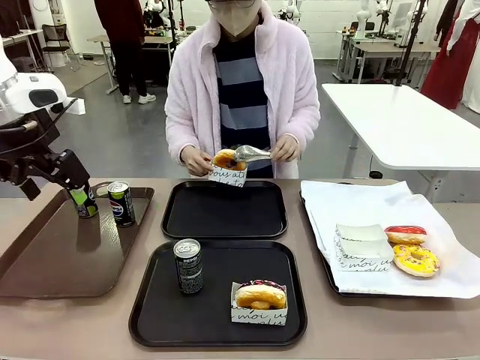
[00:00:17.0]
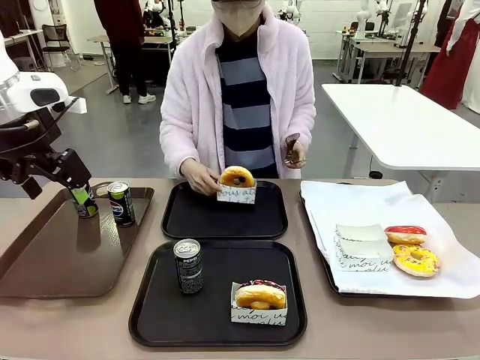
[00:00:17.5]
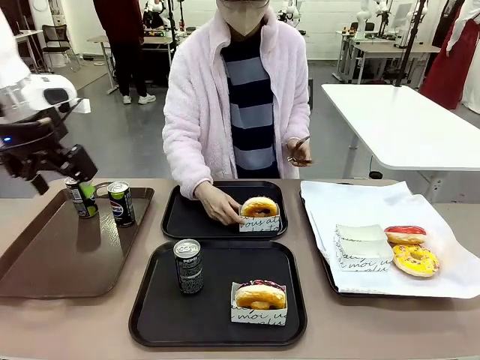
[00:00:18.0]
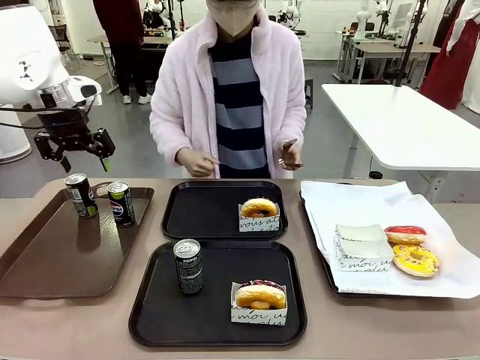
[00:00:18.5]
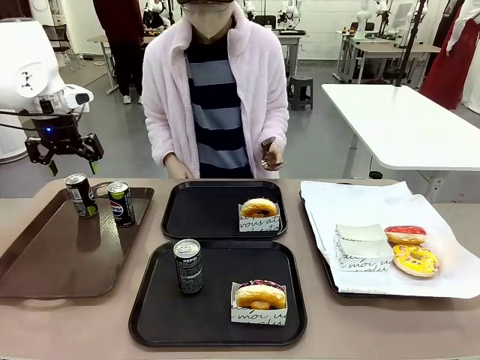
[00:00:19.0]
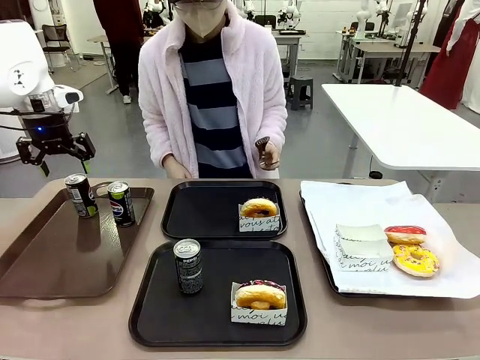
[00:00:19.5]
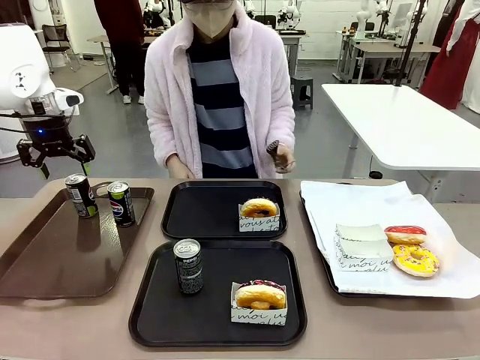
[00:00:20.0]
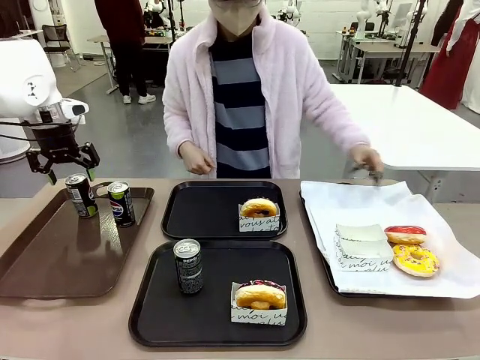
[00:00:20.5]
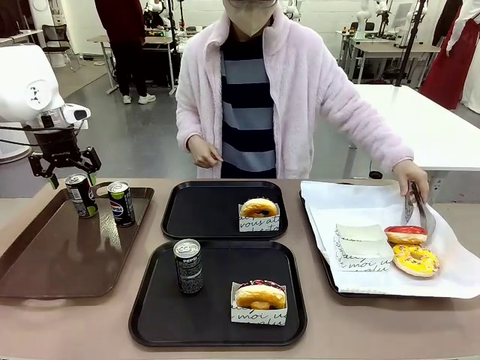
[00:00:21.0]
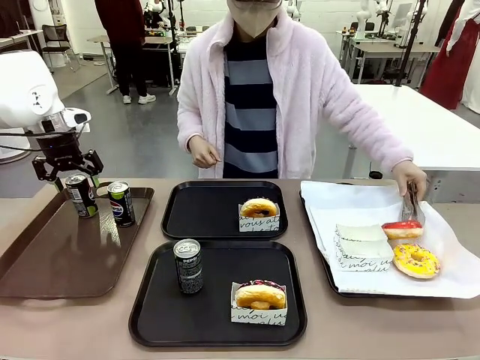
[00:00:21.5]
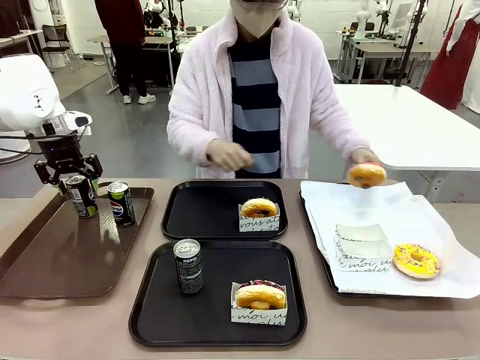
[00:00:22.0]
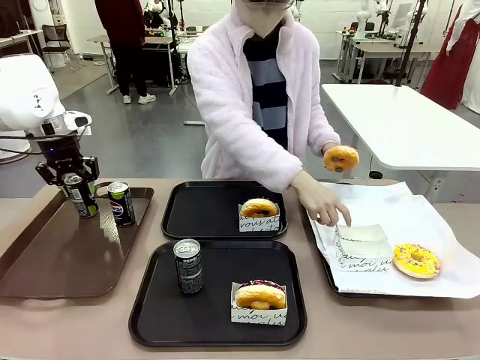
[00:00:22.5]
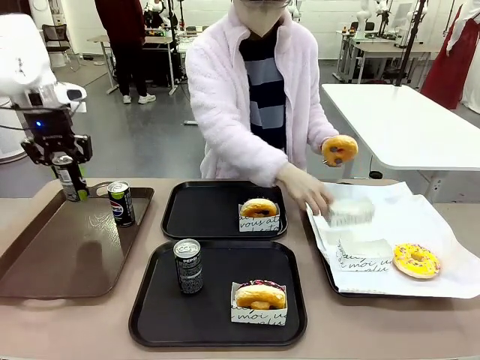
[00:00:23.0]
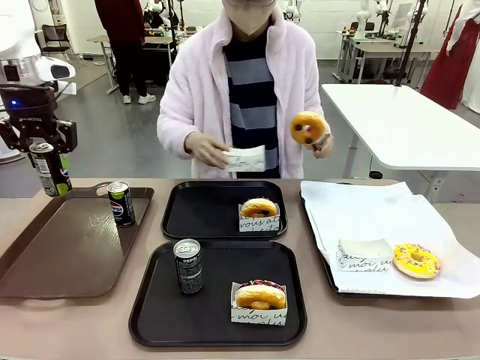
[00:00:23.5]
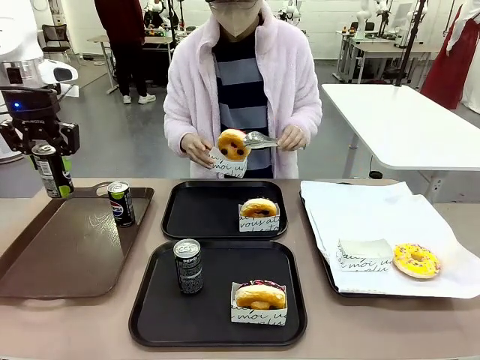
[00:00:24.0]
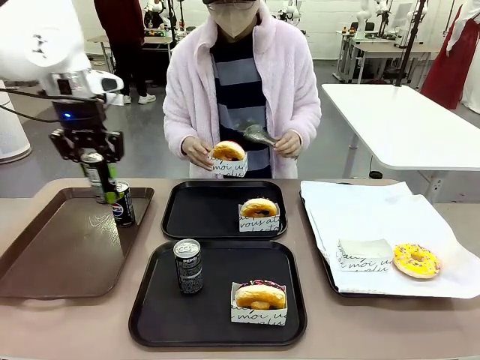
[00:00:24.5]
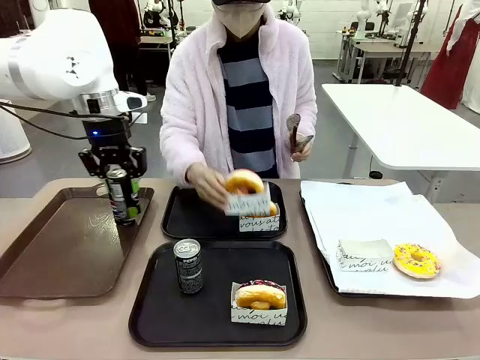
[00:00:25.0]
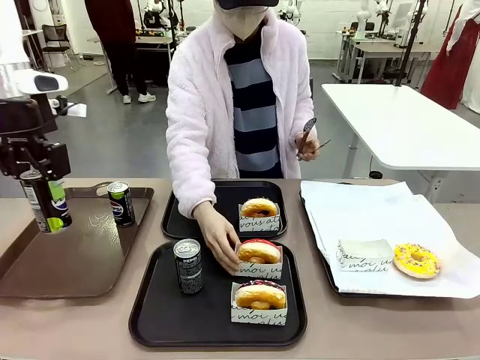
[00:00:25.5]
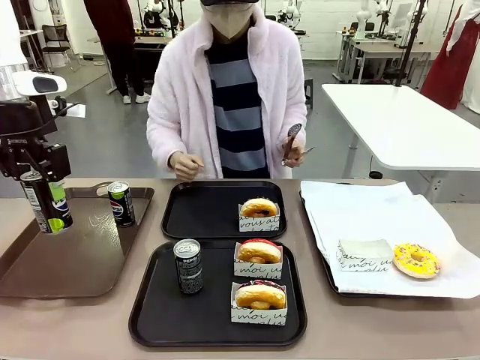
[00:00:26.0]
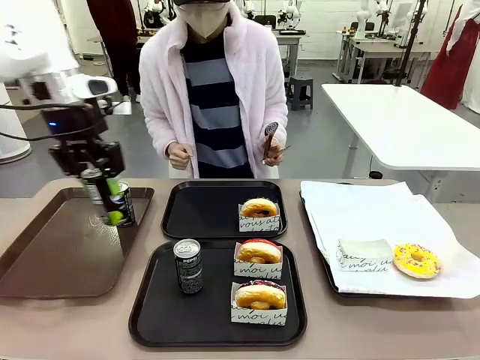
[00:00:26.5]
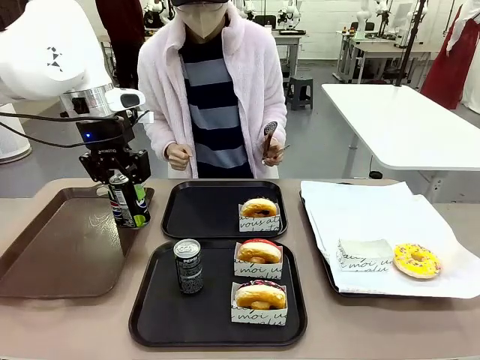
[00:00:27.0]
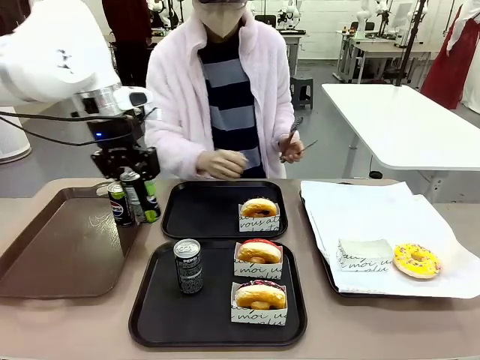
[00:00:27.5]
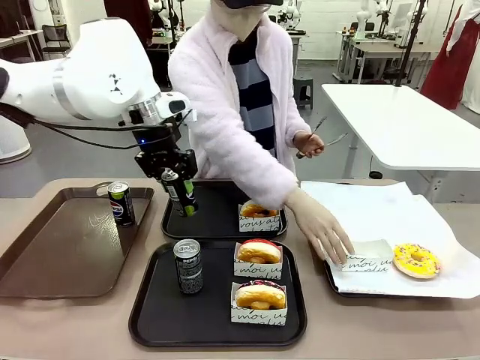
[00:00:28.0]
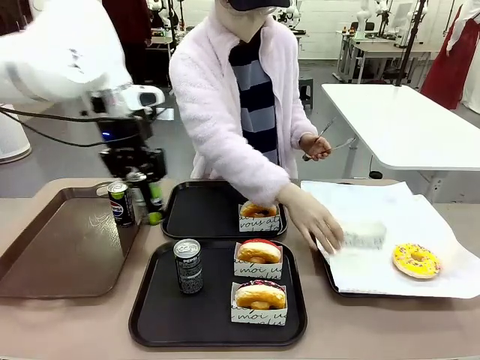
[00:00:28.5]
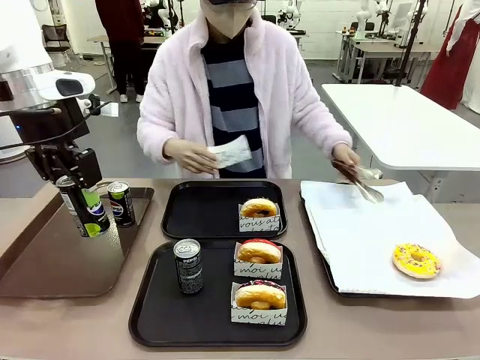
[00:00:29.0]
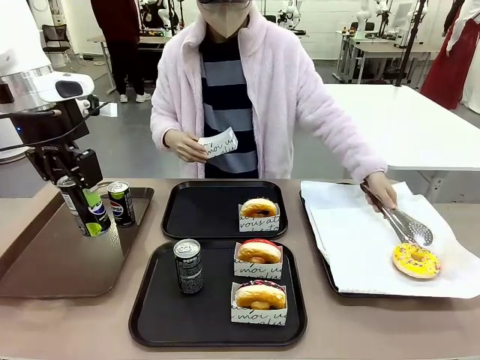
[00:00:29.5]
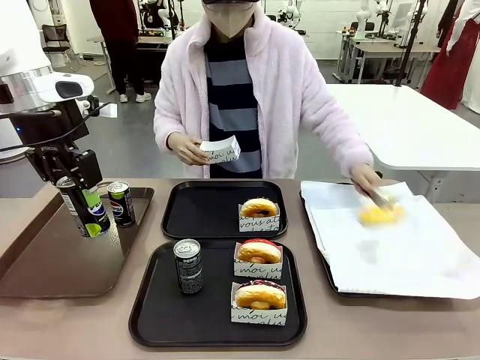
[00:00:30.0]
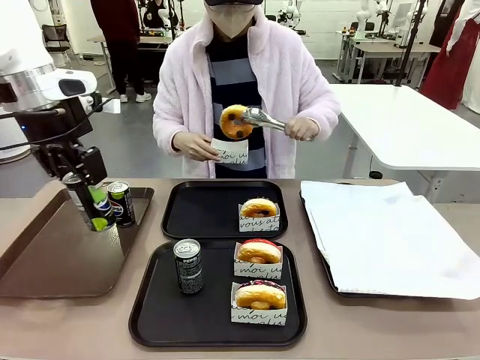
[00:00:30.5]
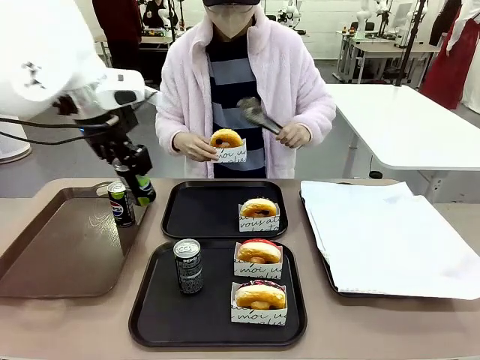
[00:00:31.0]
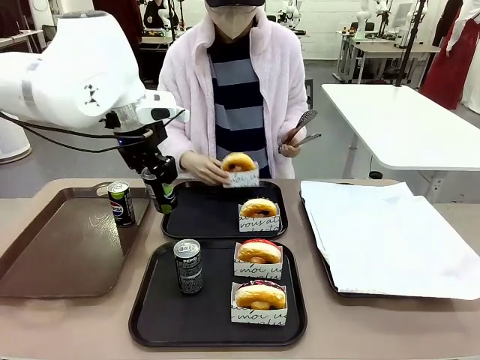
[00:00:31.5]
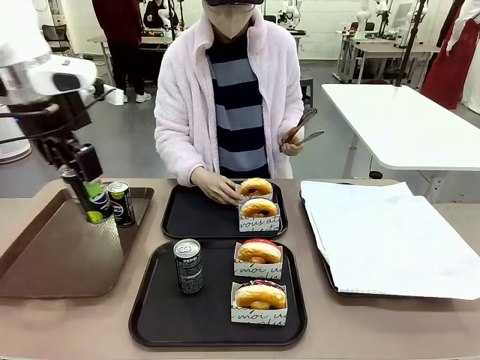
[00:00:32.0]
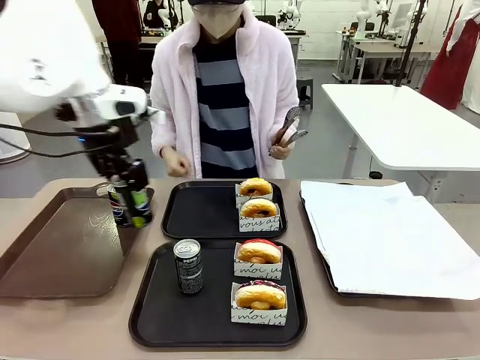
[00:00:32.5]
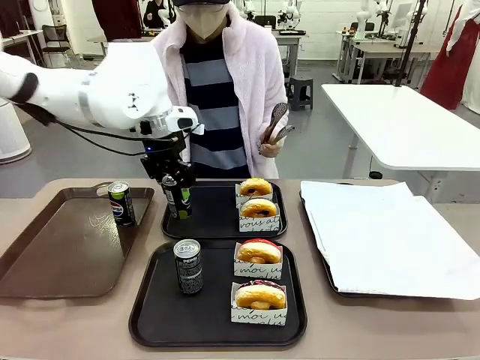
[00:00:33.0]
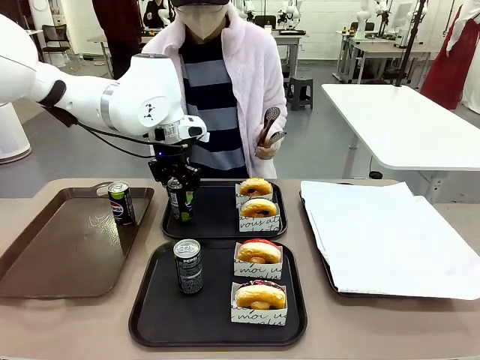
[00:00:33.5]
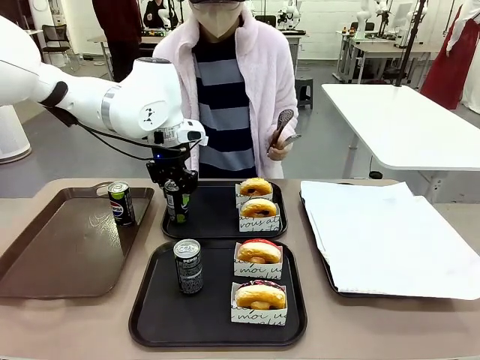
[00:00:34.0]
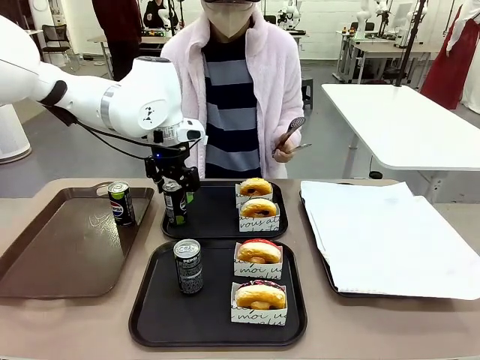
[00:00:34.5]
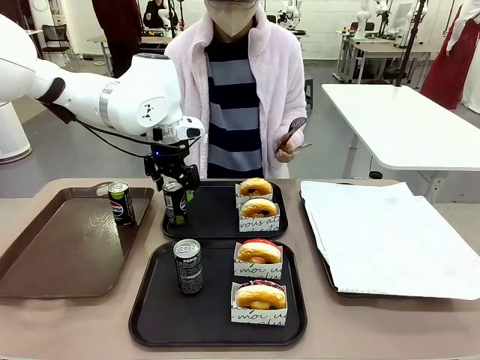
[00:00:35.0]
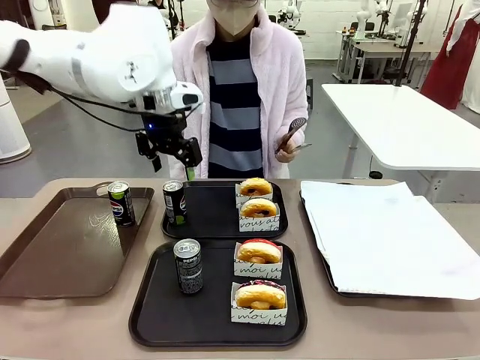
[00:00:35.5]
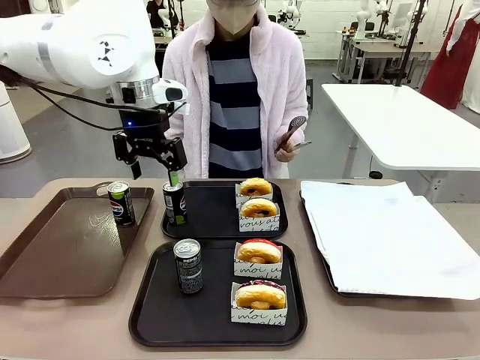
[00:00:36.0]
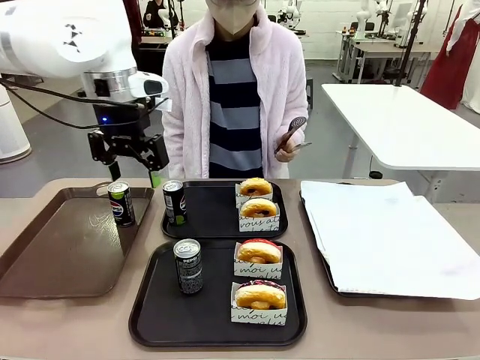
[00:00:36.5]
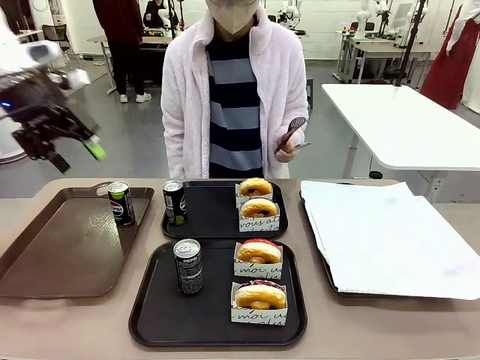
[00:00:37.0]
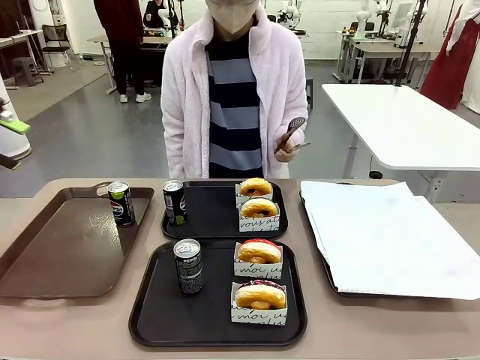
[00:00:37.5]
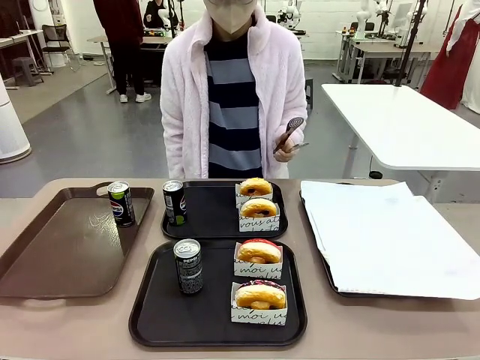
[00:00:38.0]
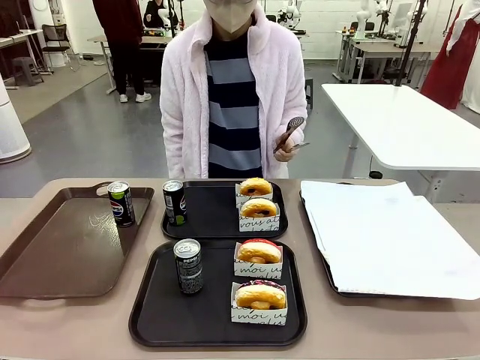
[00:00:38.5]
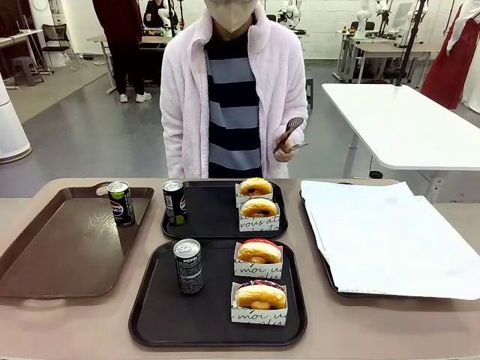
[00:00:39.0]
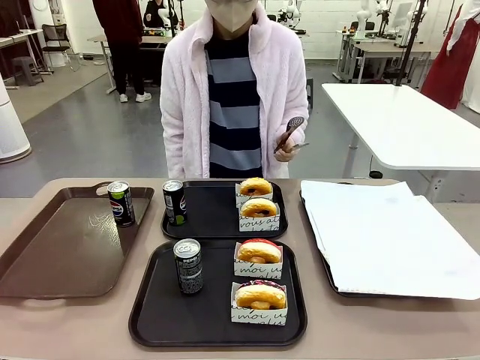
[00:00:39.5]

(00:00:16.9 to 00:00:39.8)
Task: Set up donuts and drinks on trays.
Robot: Pick up one Pepsi coke from the Handle tray and place it on the Flat Tray without a Pepsi coke.
Person: Pick up one donut with tongs, place it in the donut tray, and then place the donut tray on the flat tray.

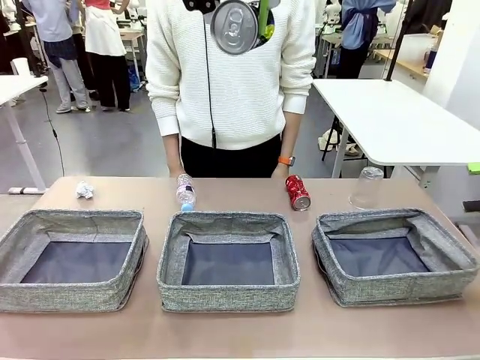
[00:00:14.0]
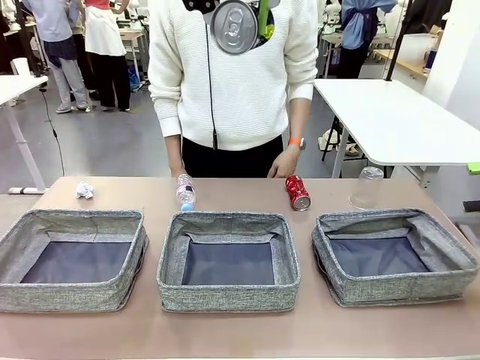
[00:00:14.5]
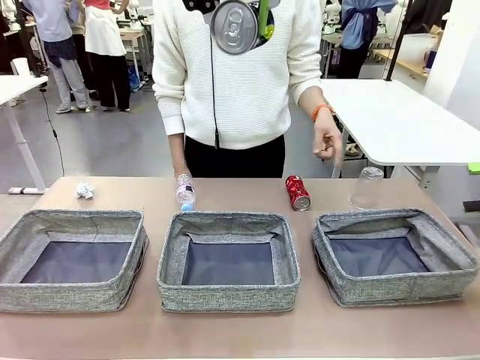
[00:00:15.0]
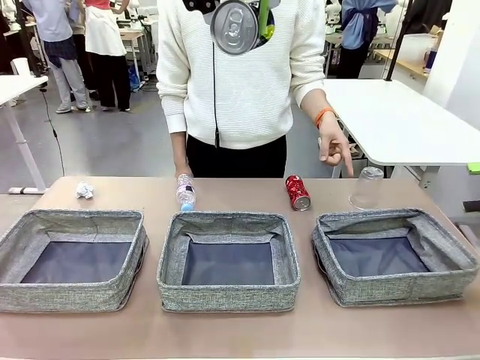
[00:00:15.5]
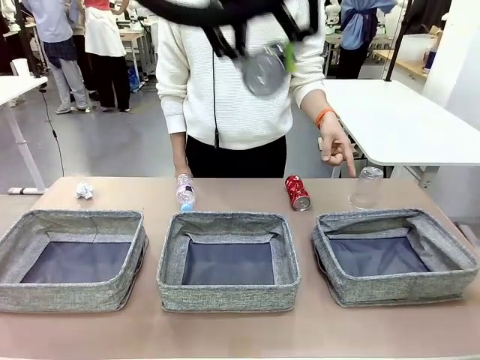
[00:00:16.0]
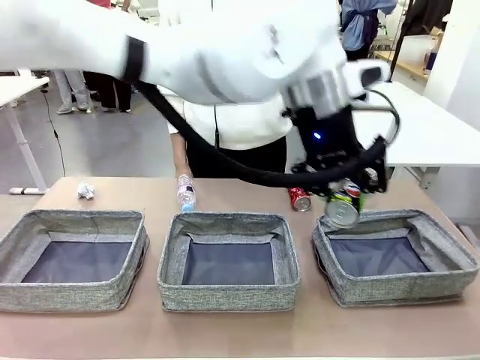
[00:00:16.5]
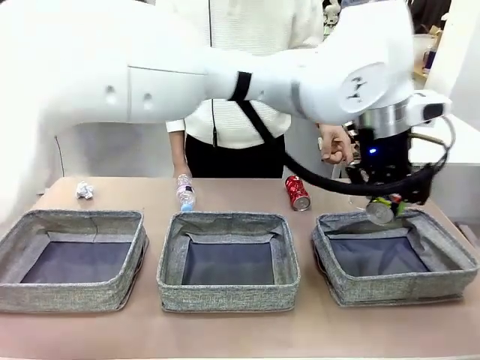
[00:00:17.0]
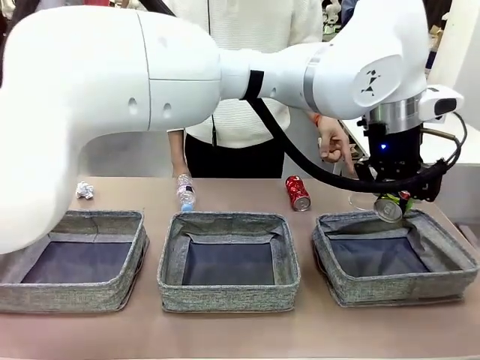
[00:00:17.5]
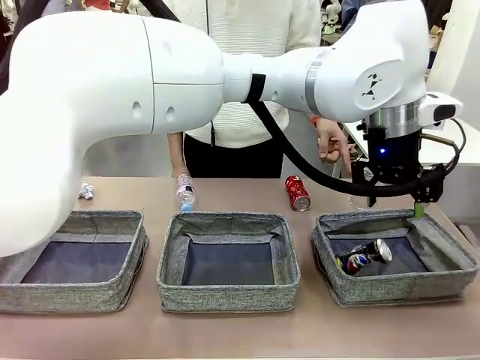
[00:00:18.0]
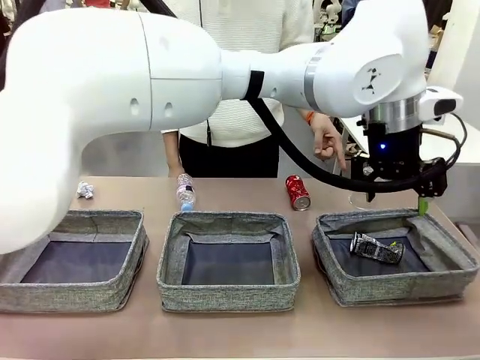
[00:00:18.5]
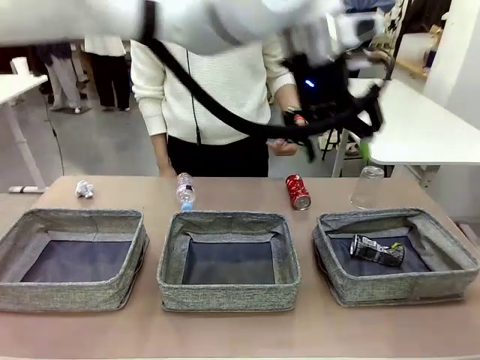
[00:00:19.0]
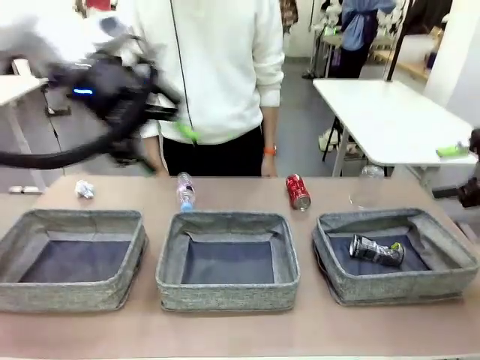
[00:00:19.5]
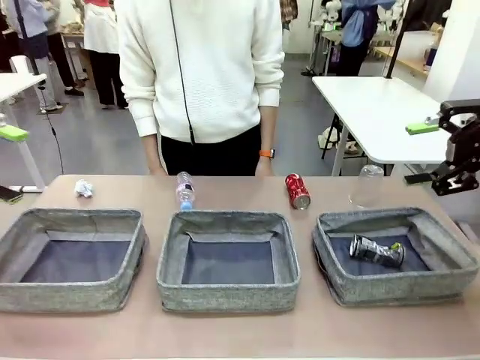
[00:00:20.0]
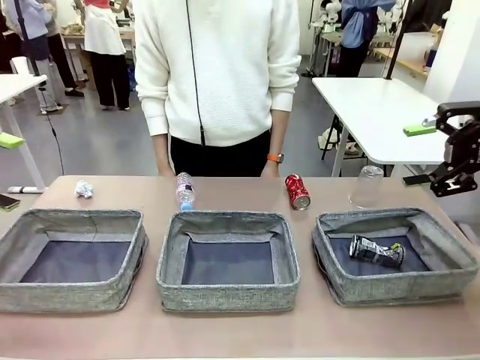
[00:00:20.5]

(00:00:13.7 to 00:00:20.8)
Task: Sort the waste into the appropriate baskets.
Robot: Place the picked waste into the Fabric basket indicated by the person.
Person: Instructs the robot to place the picked-up trash into the appropriate organizing basket.
